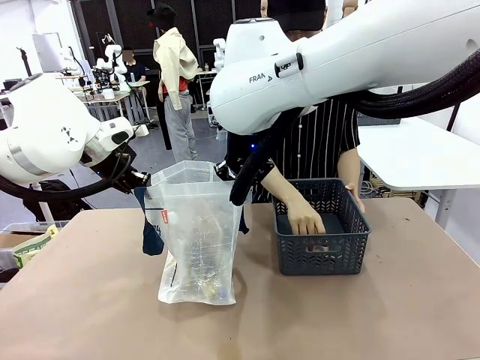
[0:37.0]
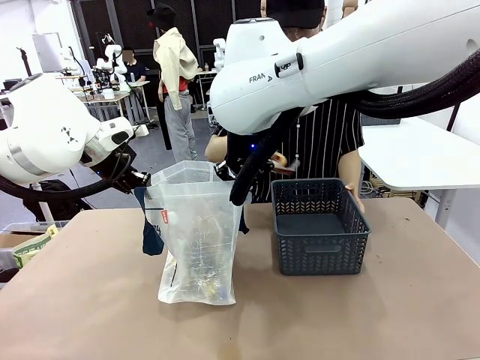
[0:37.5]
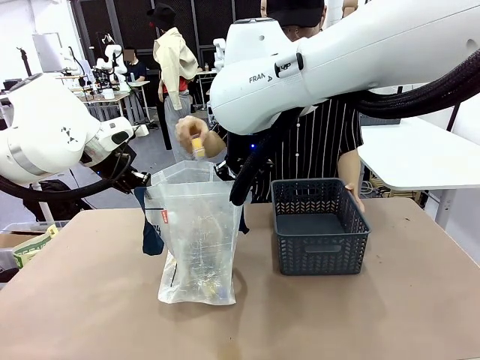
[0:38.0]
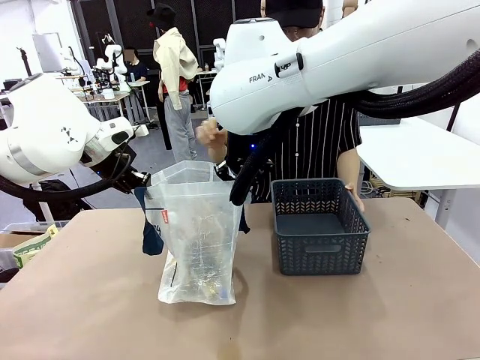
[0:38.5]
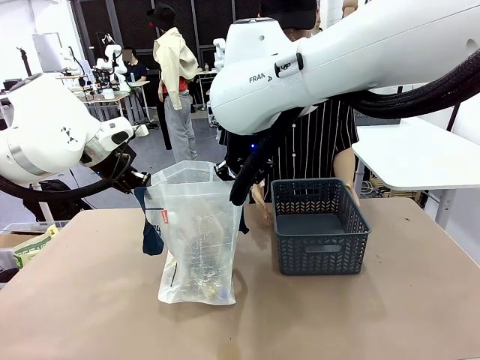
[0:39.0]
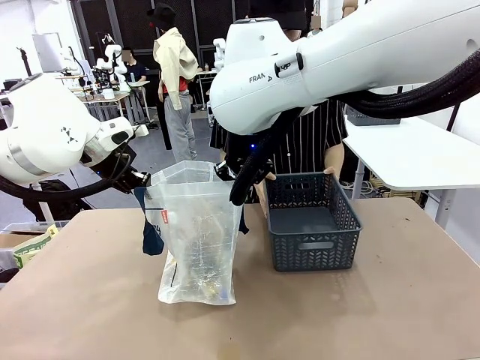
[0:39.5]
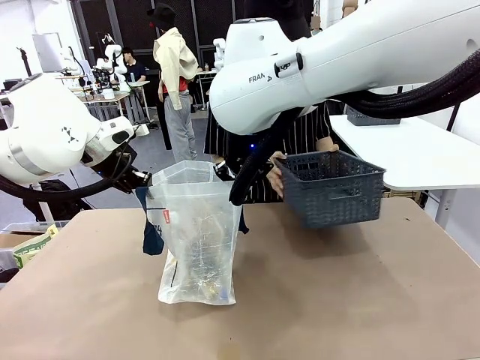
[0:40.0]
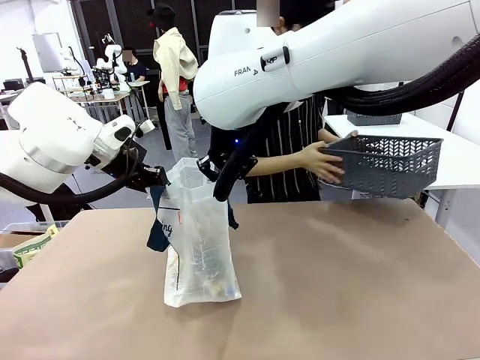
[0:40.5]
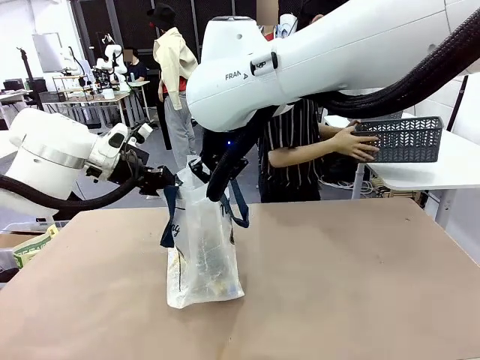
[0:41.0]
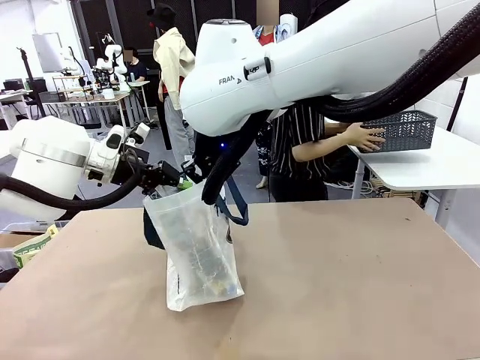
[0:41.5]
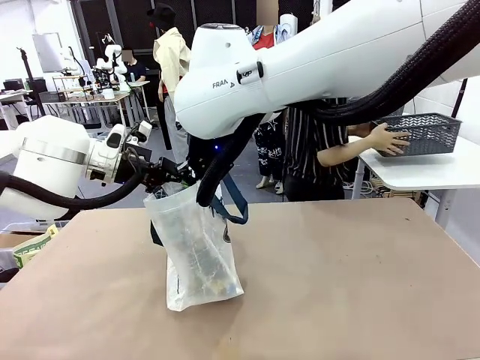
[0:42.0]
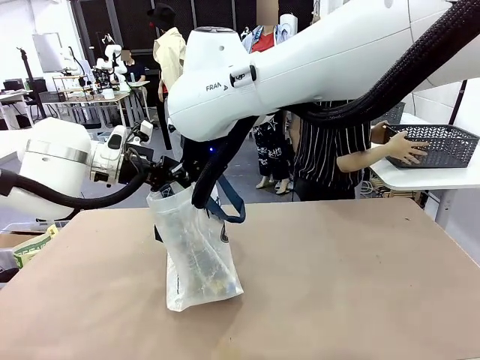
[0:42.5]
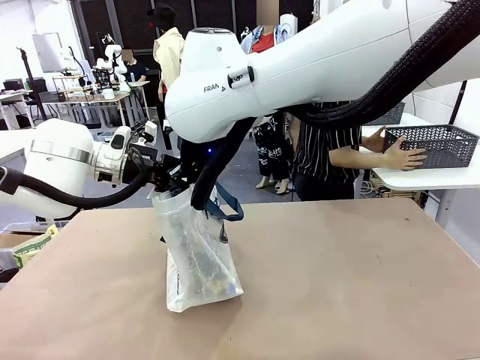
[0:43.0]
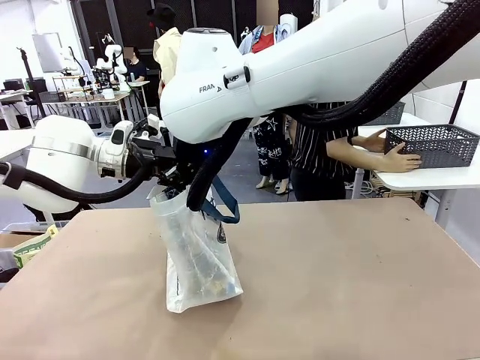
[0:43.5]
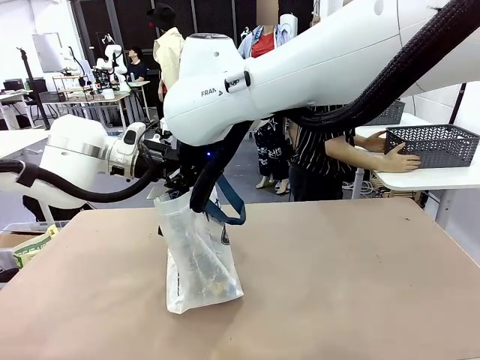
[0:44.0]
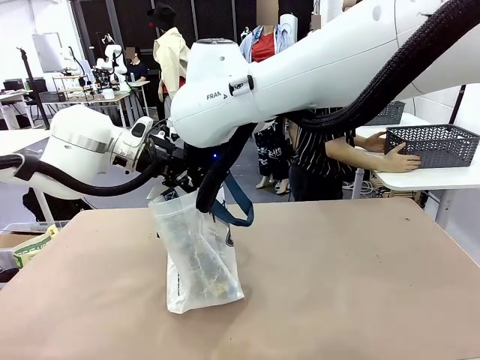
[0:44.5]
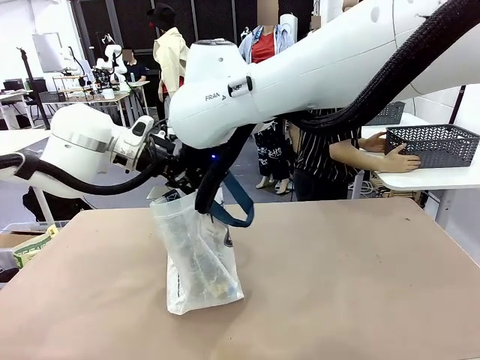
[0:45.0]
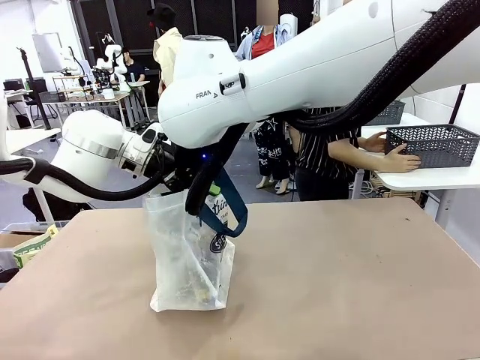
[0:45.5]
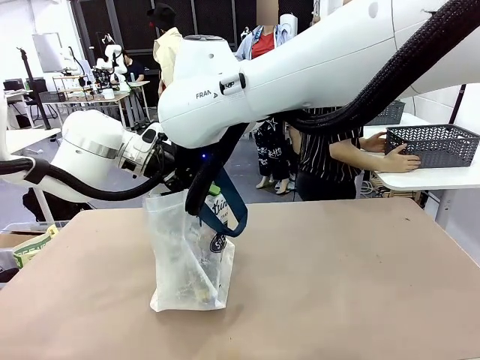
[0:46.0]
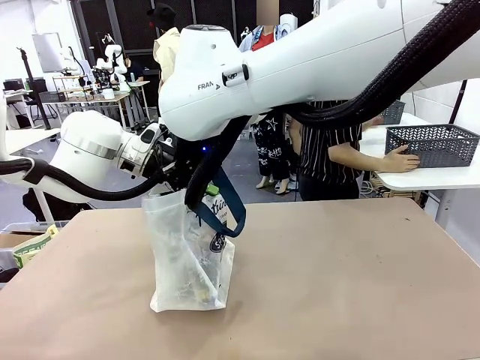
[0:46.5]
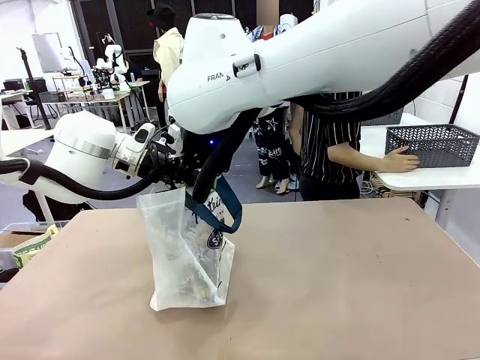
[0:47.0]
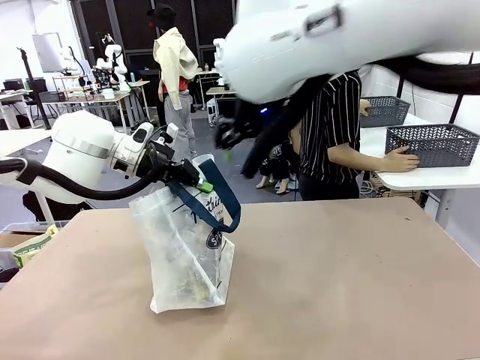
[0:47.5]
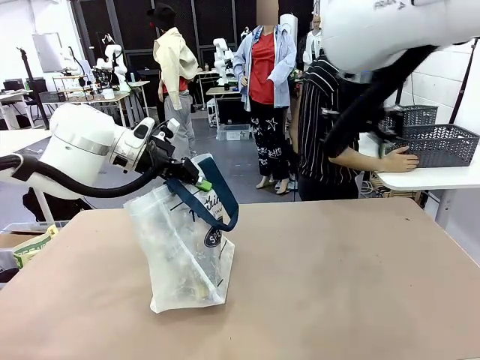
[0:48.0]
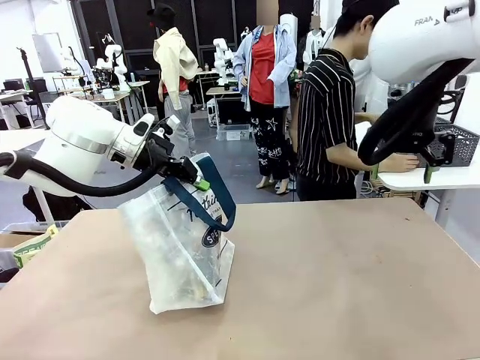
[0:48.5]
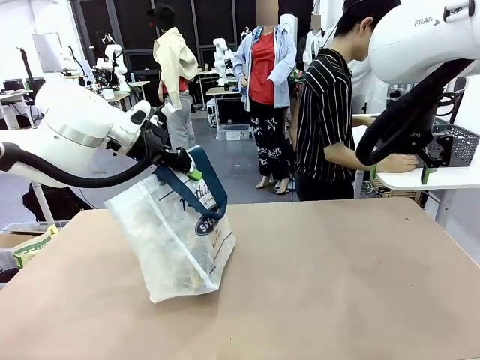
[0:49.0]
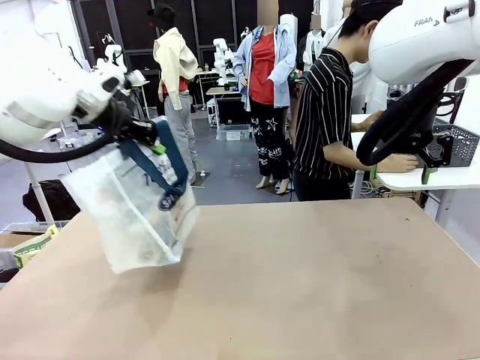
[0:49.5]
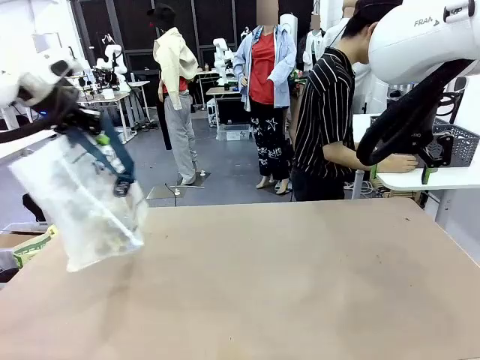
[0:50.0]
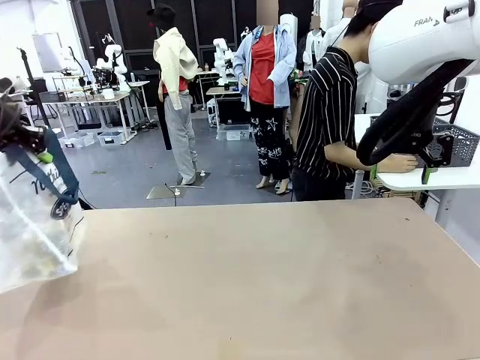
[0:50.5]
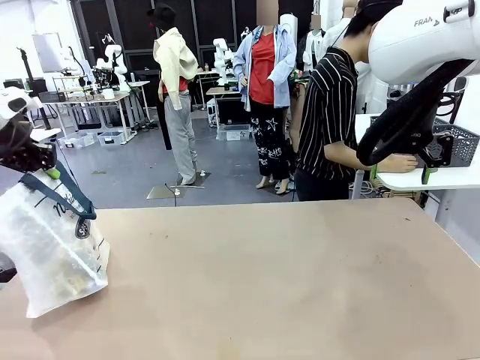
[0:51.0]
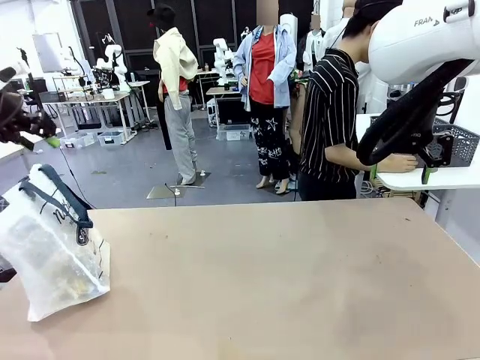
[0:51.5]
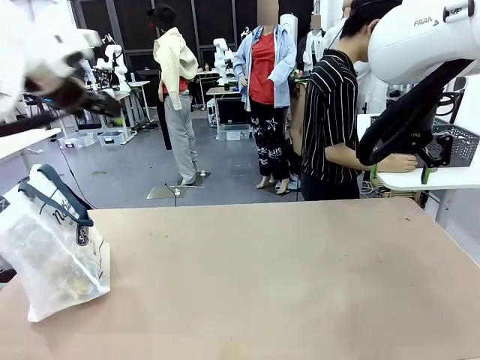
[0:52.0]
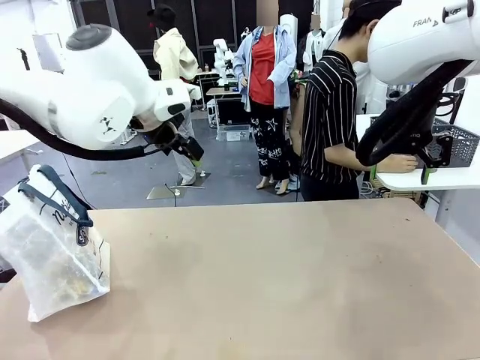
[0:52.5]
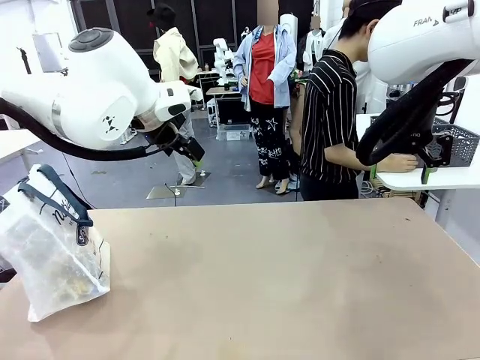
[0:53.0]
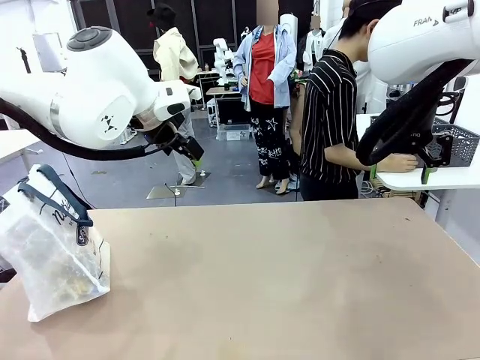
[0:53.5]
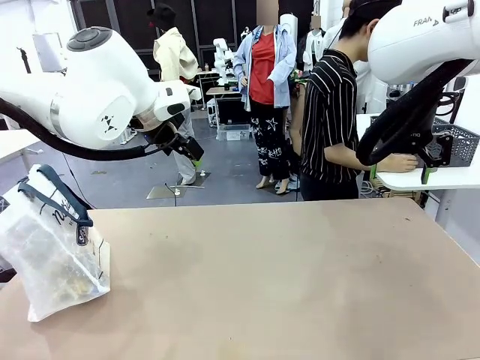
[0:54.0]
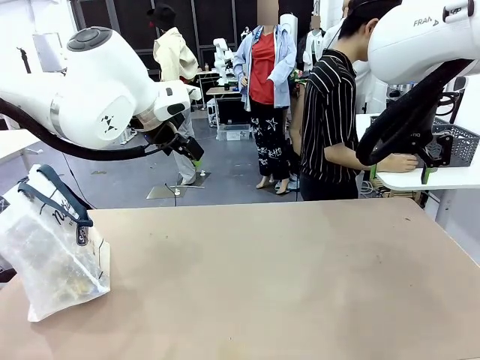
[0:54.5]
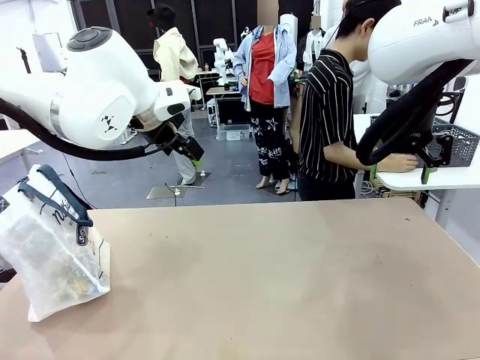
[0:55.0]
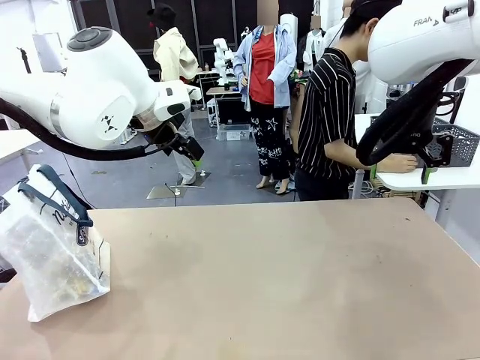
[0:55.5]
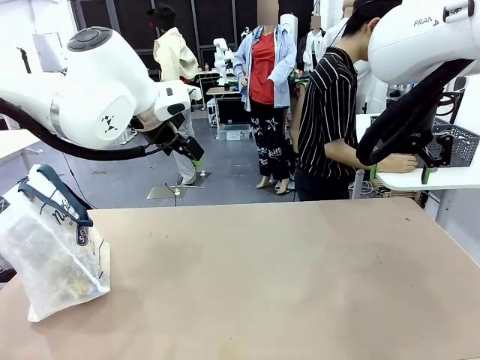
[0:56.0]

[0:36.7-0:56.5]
Task: Transfer purchased items from the store into the shopping bag.
Robot: Move the Reusable shopping bag to the right side of the table.
Person: Pick up the basket with the items out and place it on the right side of the human table. Move the basket on the left to the middle of the person's table.

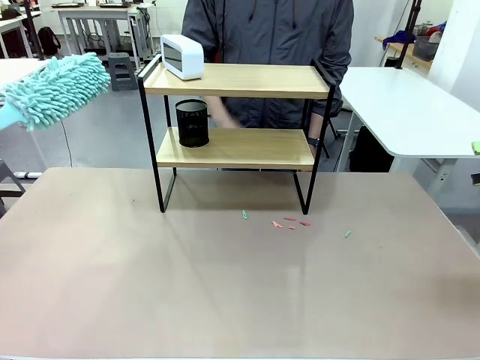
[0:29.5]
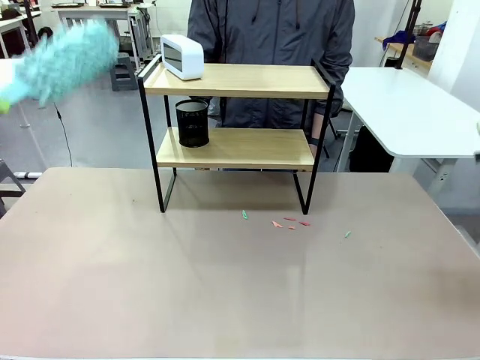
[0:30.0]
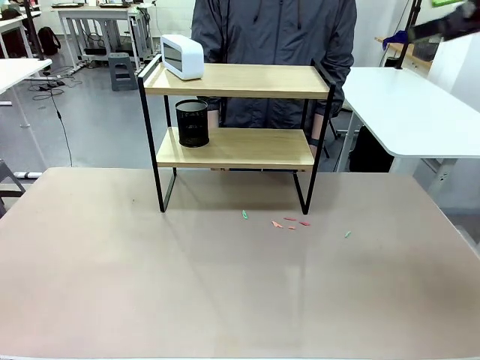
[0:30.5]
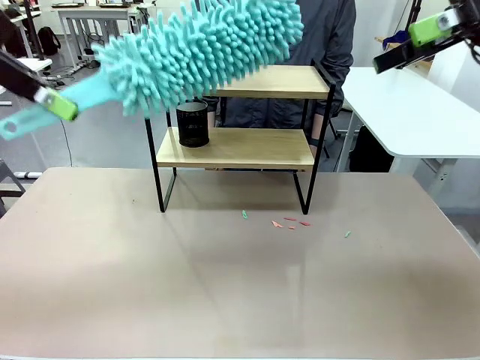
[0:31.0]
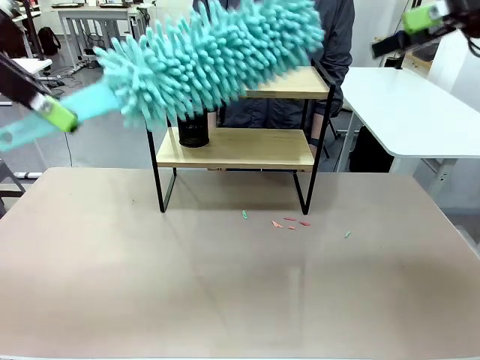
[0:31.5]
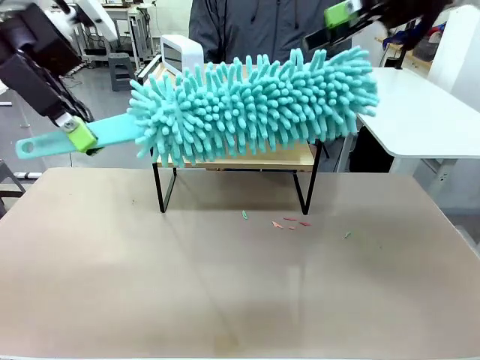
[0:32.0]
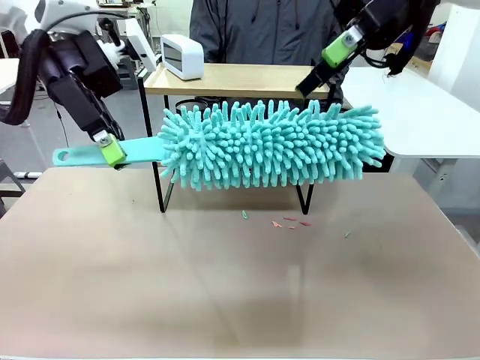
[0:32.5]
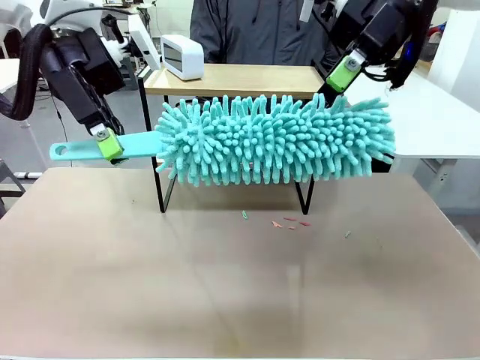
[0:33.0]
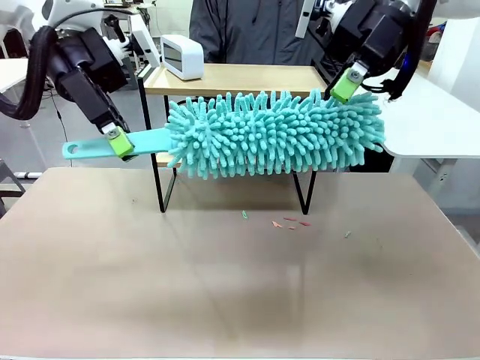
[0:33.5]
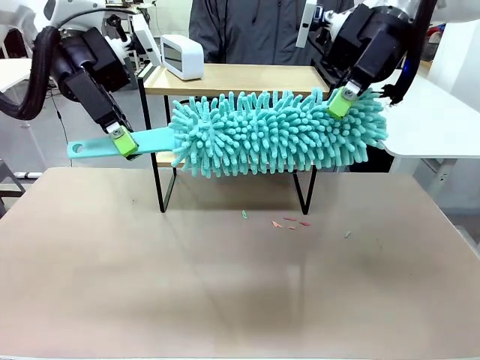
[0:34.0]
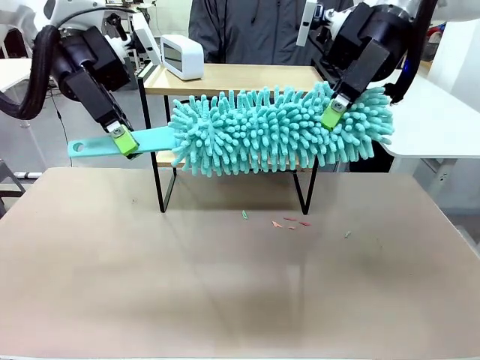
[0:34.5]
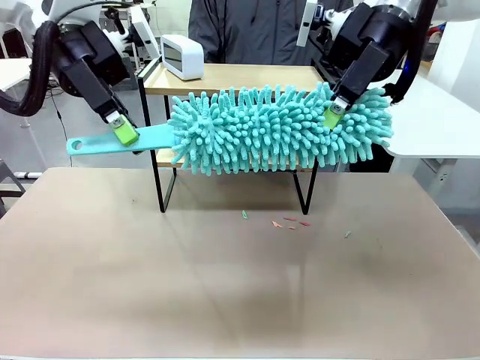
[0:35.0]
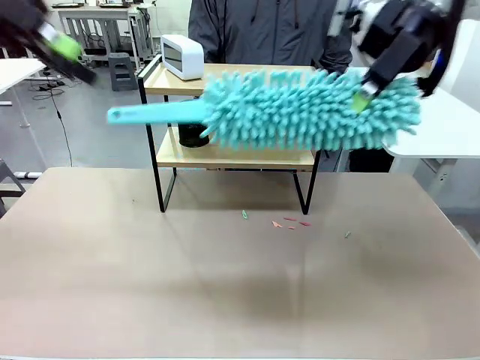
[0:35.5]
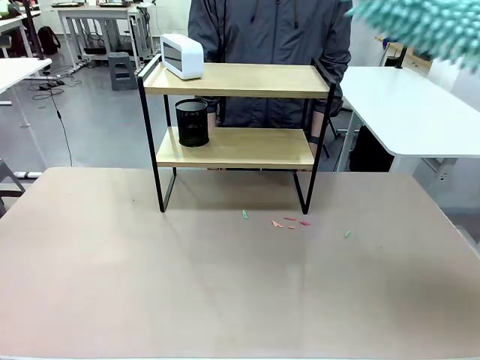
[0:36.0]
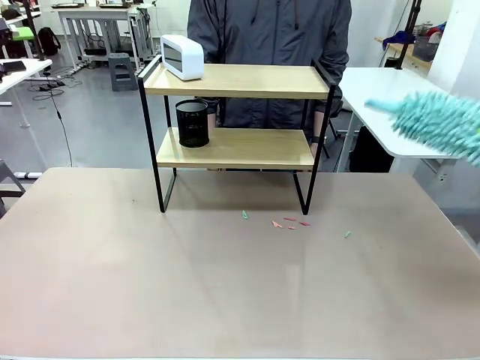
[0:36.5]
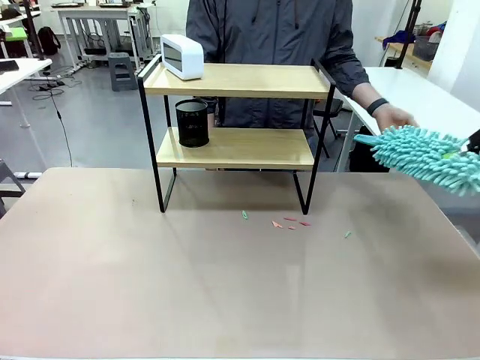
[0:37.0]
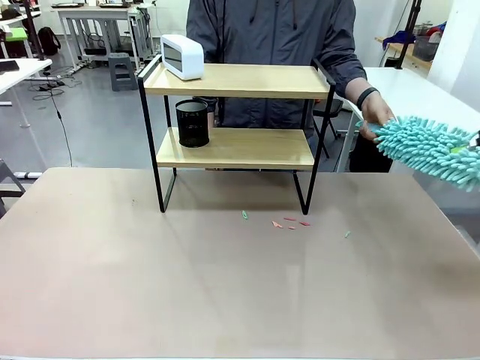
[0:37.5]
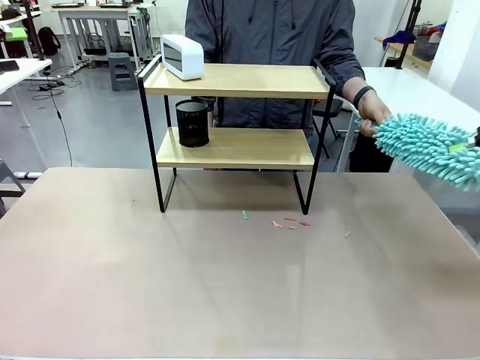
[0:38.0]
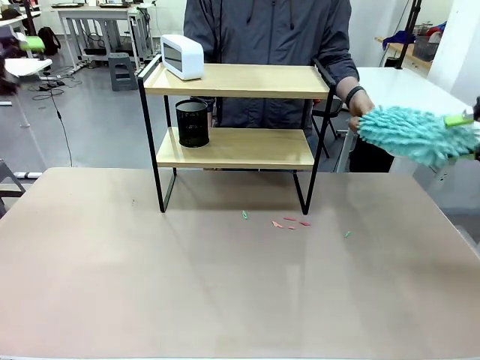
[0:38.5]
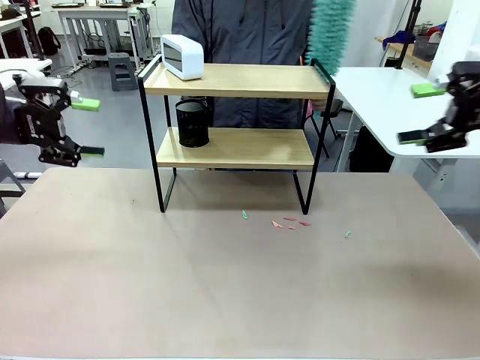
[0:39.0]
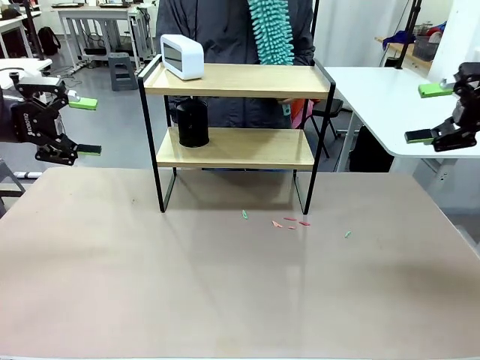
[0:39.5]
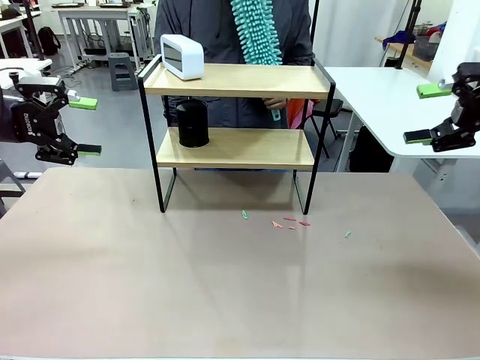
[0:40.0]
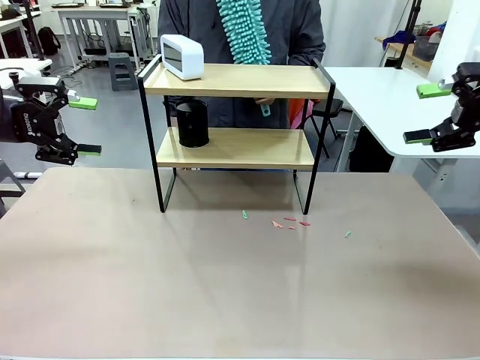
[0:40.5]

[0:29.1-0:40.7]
Task: Clean the shelf.
Robot: Hand the Duster back to the human.
Person: Receive the Duster from the robot.
